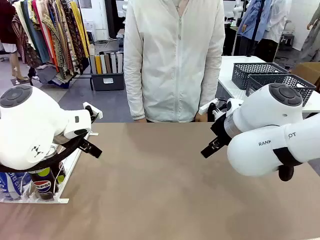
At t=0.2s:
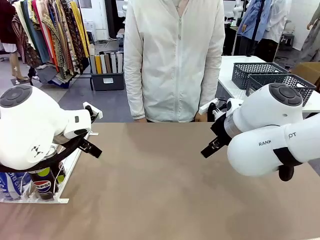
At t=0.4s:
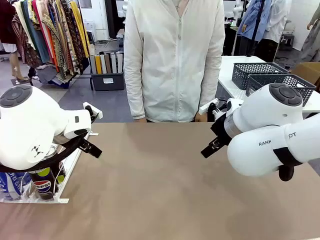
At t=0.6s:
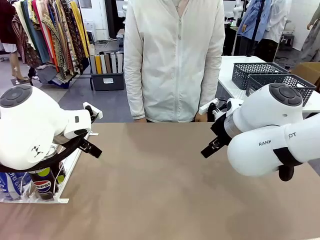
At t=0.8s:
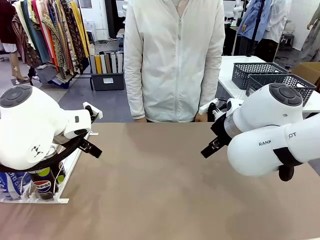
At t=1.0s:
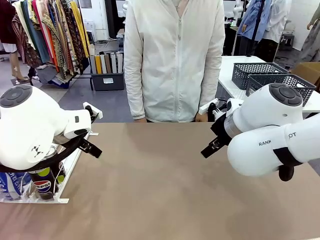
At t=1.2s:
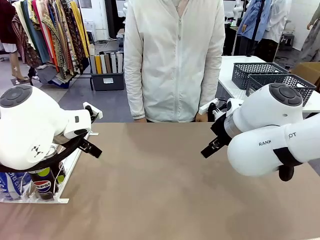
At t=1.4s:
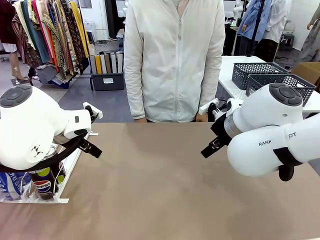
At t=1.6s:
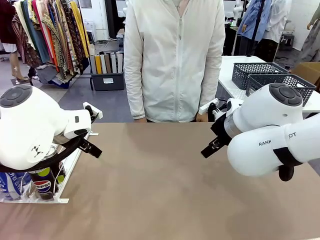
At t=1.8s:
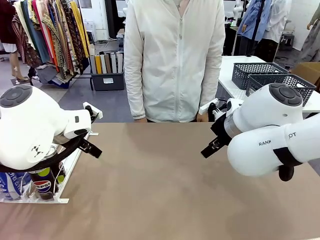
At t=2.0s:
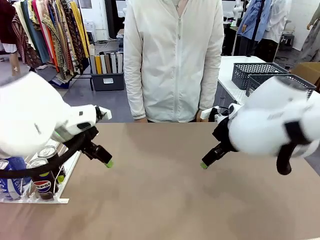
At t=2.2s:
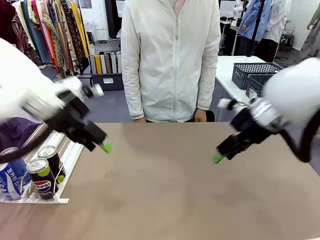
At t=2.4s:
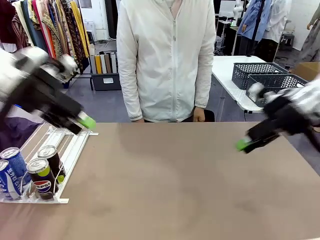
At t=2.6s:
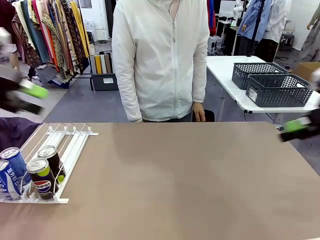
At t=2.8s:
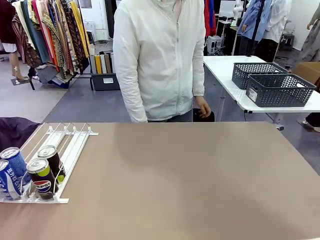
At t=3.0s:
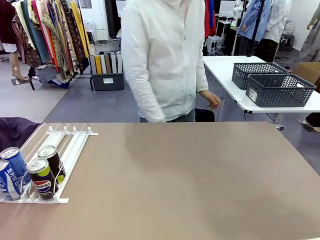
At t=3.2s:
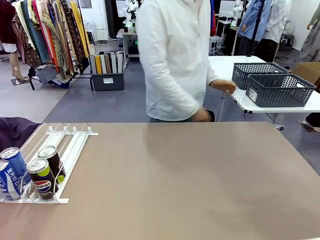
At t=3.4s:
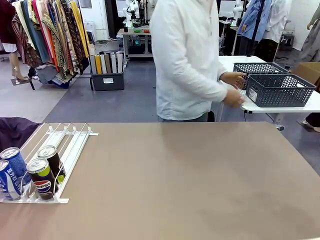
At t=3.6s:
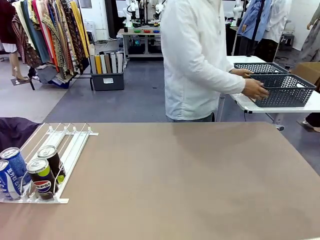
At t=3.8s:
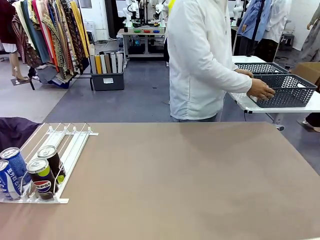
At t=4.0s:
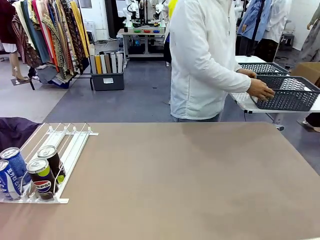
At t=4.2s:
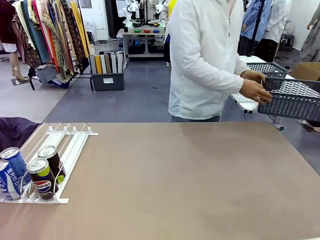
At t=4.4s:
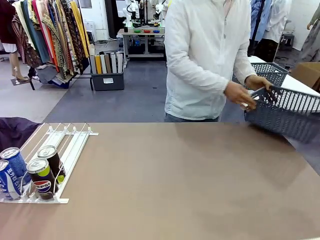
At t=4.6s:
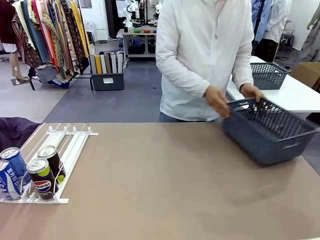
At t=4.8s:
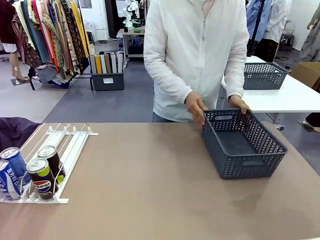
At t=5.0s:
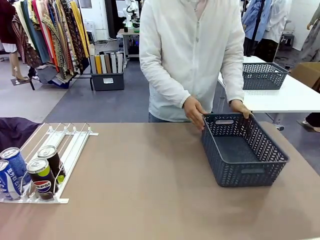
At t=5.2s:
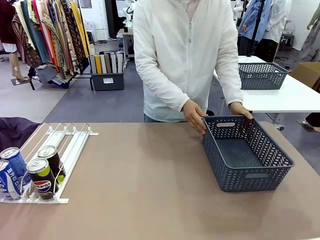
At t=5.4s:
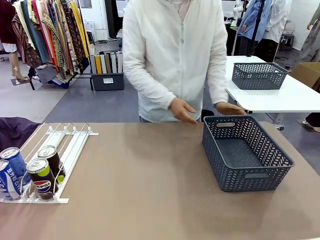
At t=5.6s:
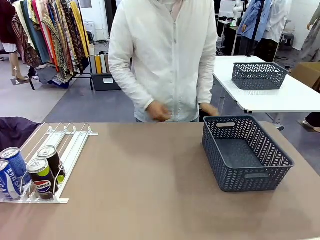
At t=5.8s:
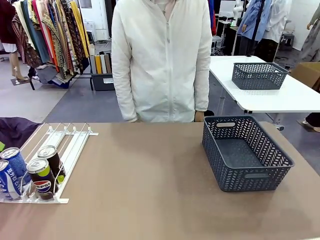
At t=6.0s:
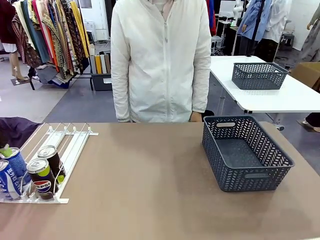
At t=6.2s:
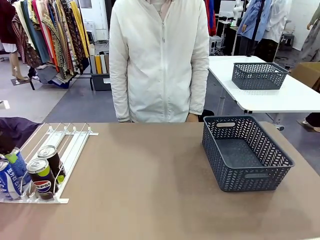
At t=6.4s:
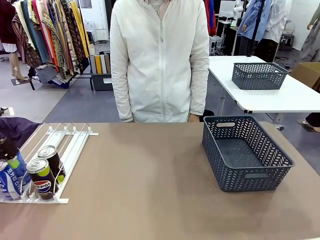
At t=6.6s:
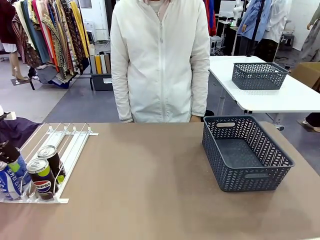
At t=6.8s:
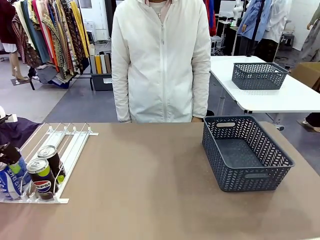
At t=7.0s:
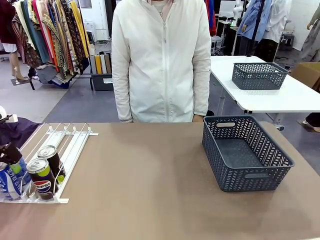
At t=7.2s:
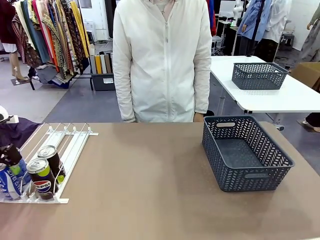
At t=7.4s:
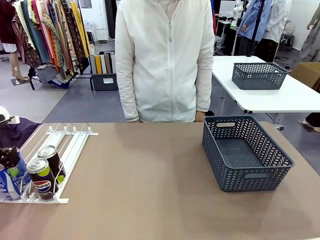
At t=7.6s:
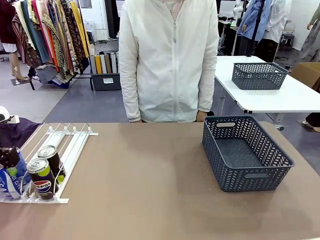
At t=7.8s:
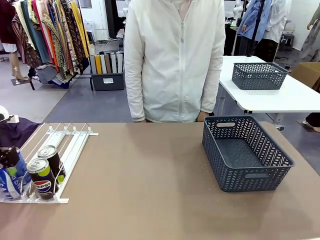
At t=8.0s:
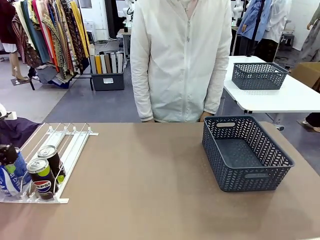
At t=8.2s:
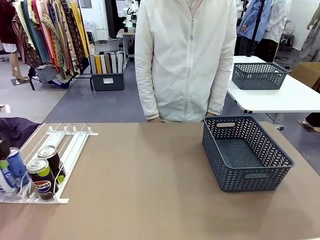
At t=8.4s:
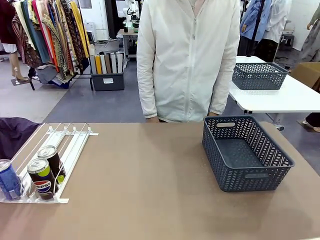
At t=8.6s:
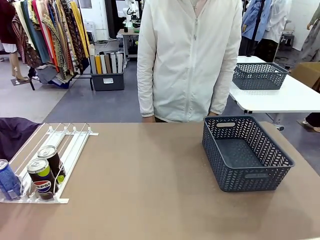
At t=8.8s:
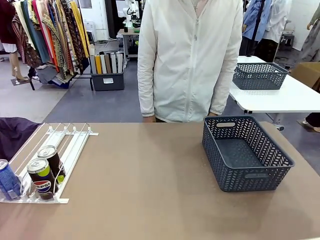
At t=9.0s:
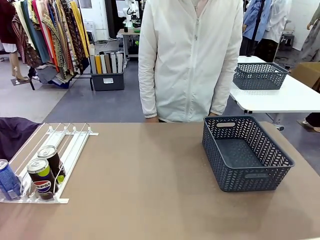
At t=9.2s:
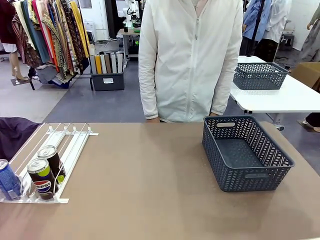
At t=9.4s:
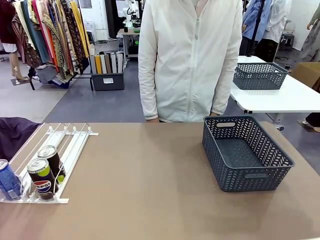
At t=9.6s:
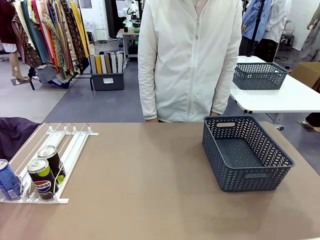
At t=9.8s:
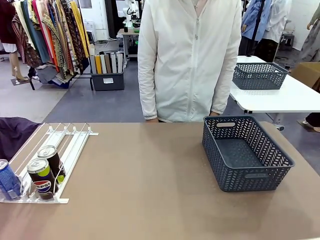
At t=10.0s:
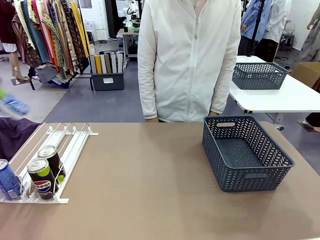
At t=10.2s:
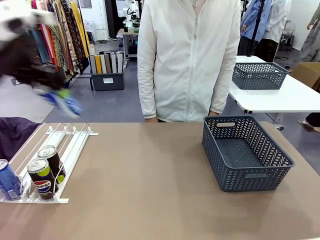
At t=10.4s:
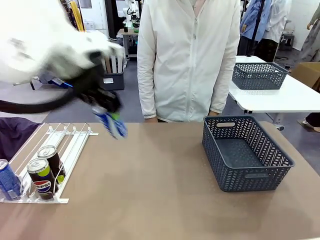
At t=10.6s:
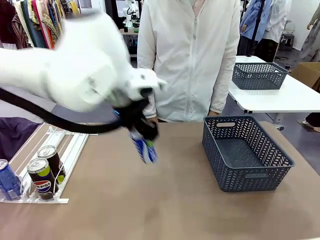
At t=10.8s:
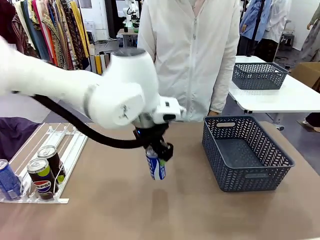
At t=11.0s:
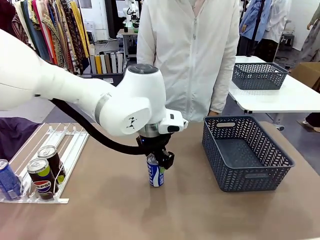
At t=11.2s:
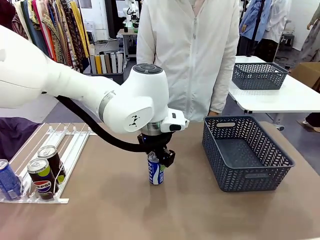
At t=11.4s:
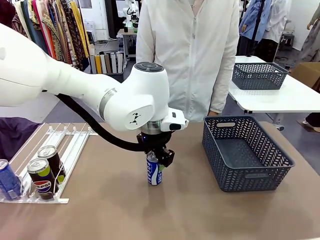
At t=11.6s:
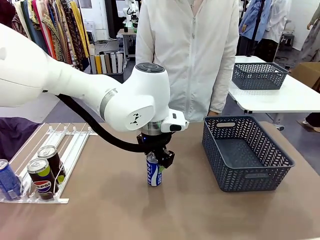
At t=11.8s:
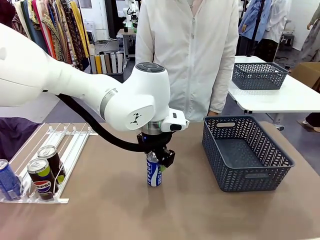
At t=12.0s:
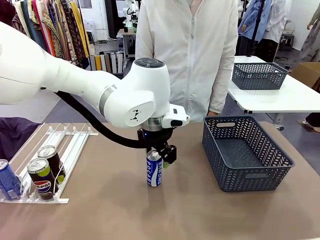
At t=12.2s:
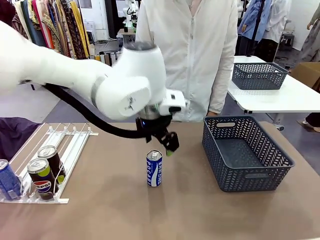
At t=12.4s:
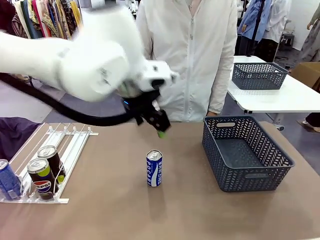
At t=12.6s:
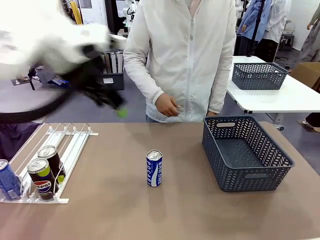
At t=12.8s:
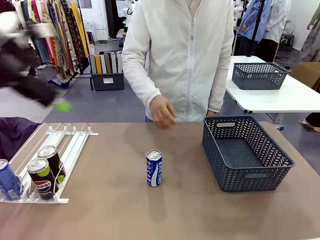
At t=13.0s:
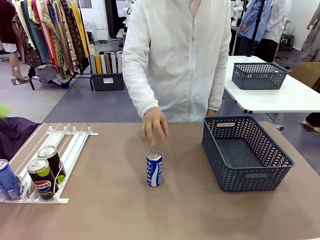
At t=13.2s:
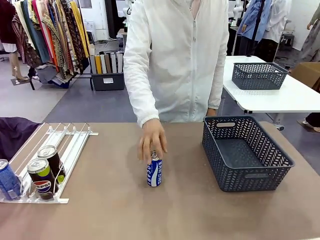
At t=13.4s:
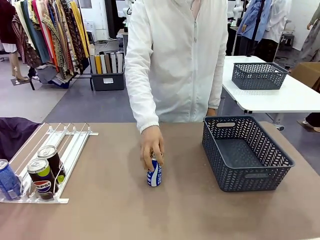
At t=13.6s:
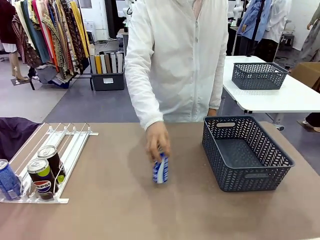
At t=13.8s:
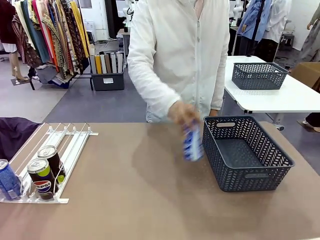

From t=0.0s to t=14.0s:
Task: Retrieve and store the cans from the dispenser.
Robot: Pick up one can from the Automatic Can Dispenser and place it in the middle of the table.
Person: Pick up the basket and place it on the left side of the robot table.

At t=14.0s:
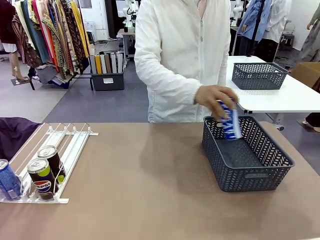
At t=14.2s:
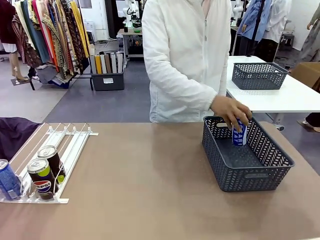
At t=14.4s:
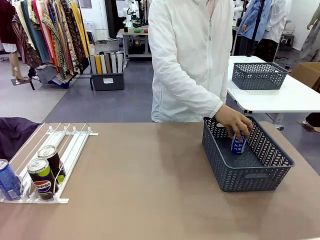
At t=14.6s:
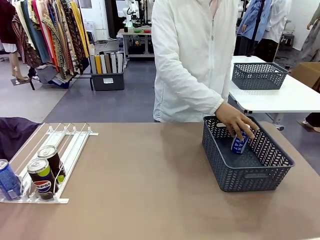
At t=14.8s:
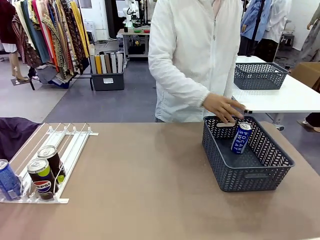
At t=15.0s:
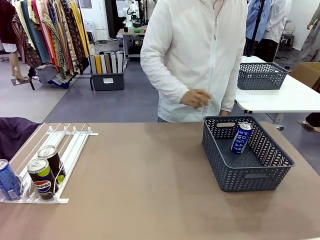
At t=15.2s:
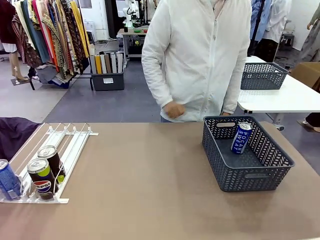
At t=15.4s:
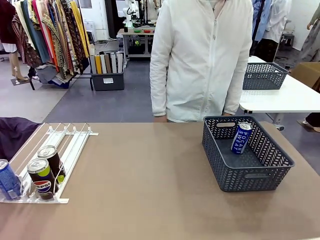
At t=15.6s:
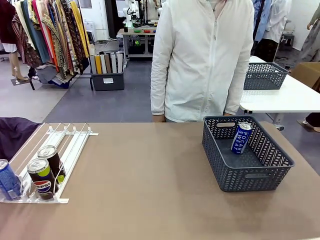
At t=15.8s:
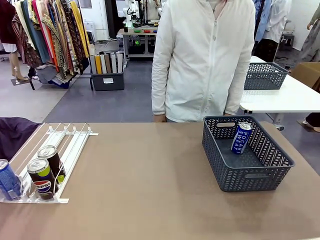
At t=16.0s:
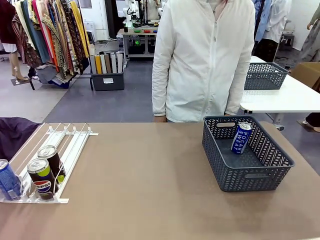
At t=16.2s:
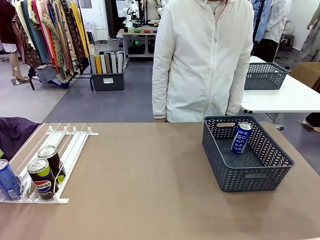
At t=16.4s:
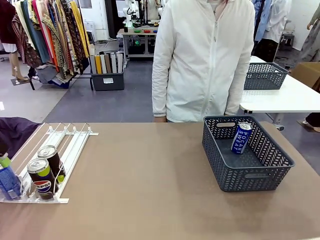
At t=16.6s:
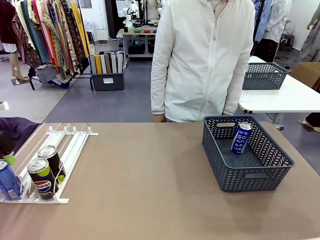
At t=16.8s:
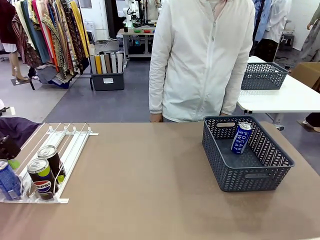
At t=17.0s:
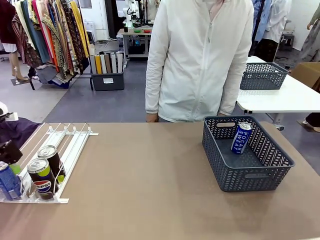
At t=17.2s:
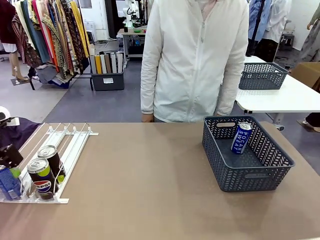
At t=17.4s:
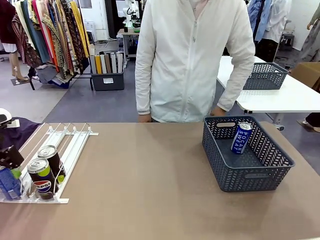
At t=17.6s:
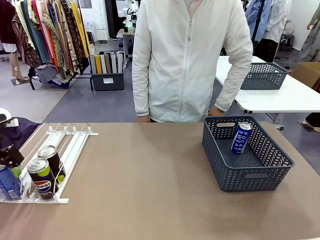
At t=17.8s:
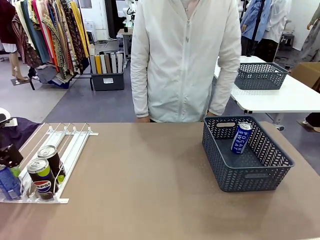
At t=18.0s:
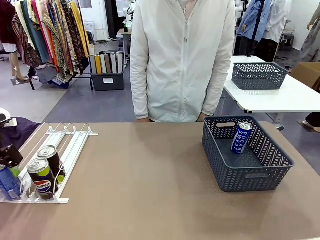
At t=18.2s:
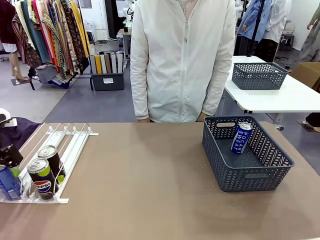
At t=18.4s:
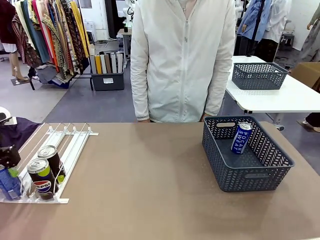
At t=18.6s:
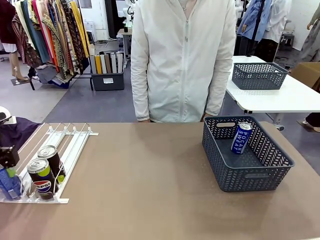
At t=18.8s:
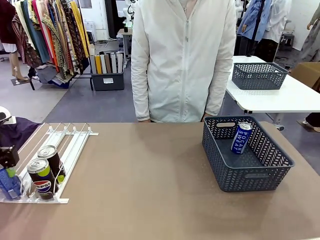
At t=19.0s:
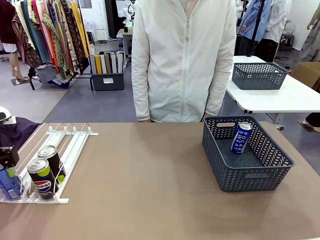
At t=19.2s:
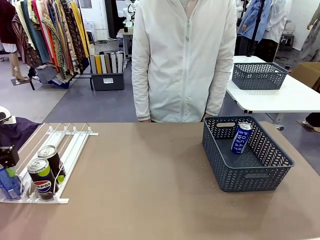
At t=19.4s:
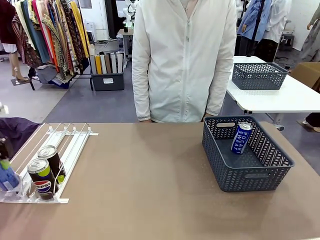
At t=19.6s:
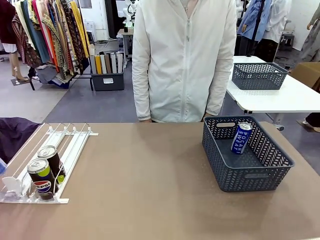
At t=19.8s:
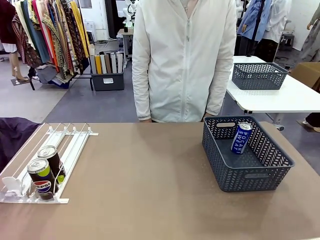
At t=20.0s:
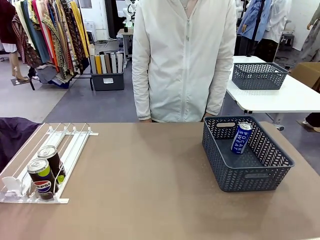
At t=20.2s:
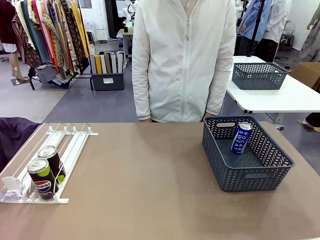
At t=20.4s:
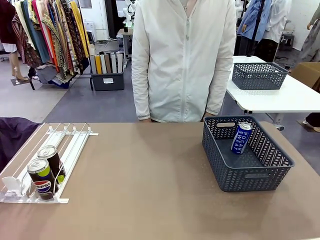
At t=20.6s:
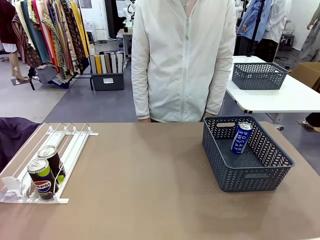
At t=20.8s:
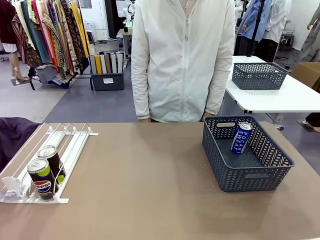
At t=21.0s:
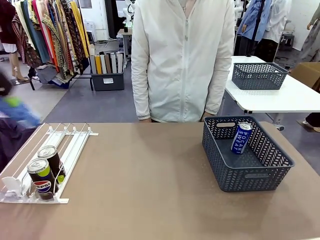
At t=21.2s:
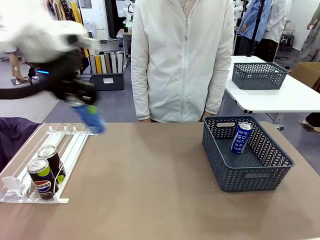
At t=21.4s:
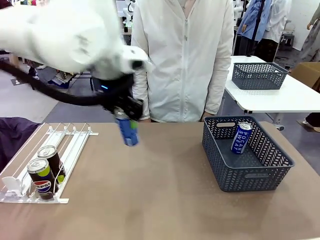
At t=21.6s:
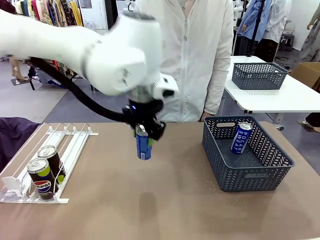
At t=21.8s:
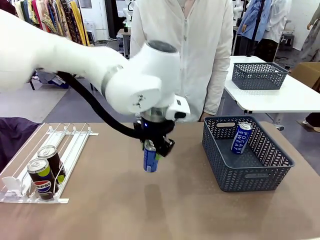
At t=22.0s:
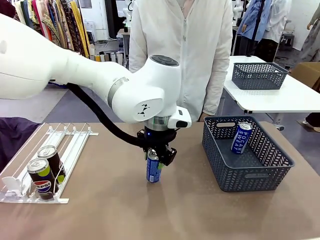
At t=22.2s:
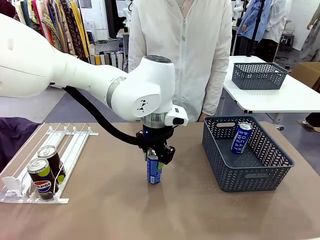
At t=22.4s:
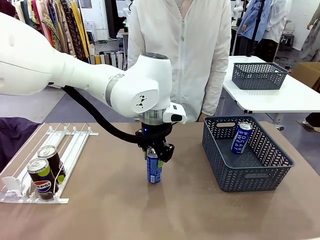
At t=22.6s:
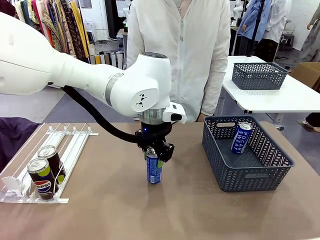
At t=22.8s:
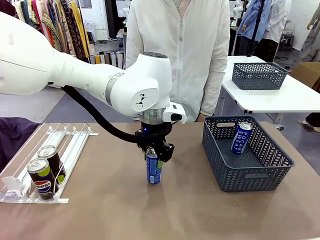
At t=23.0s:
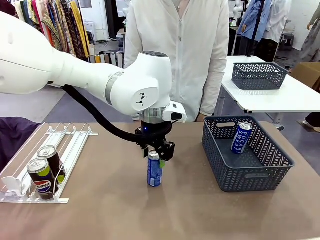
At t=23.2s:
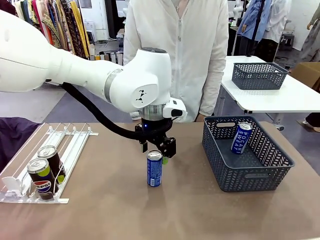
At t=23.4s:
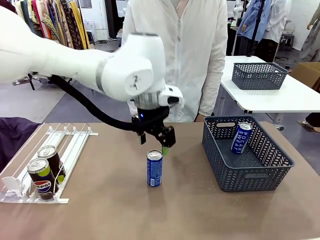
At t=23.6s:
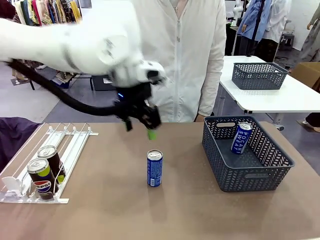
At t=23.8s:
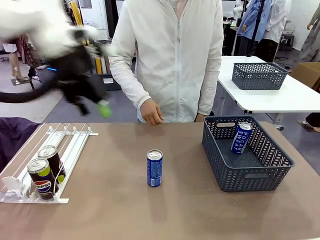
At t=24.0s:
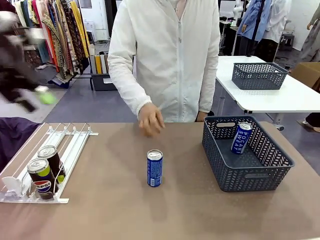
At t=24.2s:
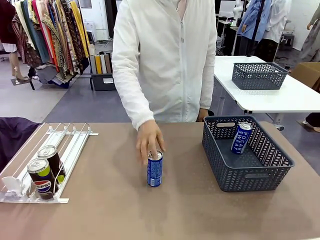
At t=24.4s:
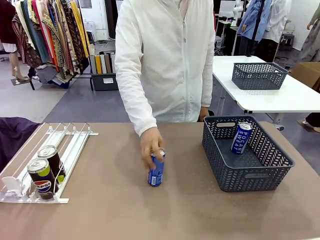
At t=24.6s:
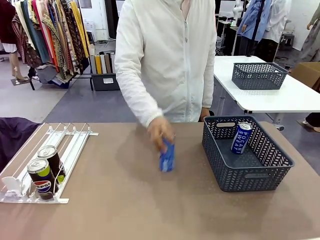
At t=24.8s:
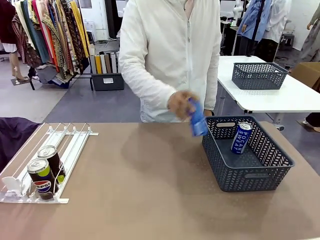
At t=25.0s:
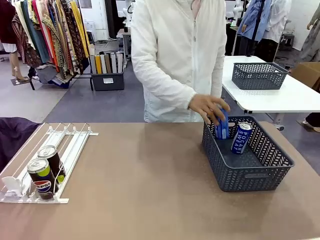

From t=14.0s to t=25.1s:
Robot: Pick up the last remaining can from one row of the Automatic Can Dispenser and place it in the middle of the table.
Person: Pick up one Pepsi can from the middle of the robot table and place it in the basket.
